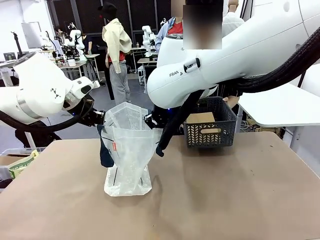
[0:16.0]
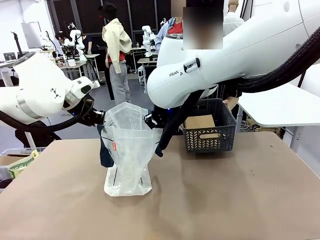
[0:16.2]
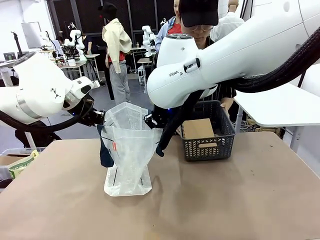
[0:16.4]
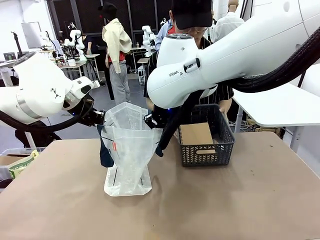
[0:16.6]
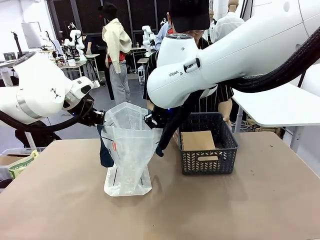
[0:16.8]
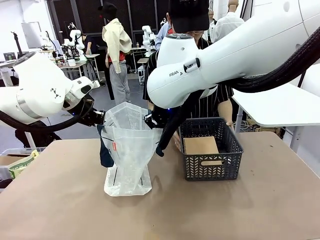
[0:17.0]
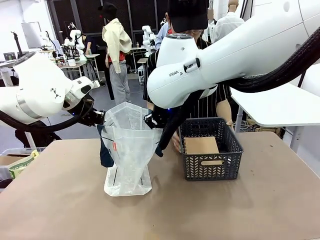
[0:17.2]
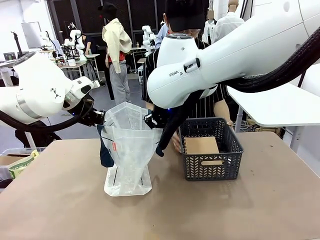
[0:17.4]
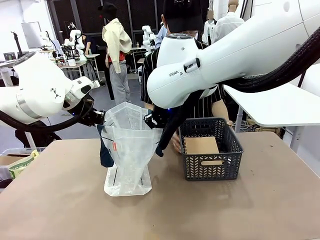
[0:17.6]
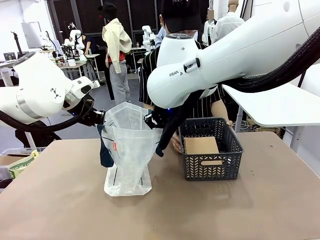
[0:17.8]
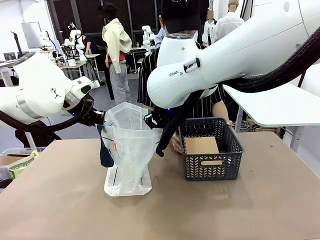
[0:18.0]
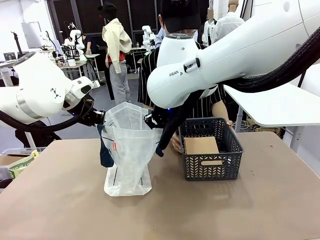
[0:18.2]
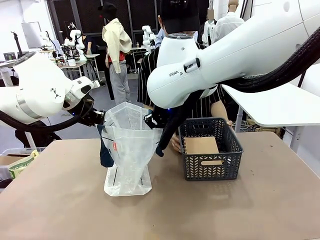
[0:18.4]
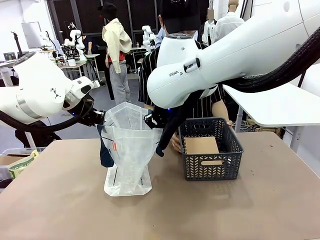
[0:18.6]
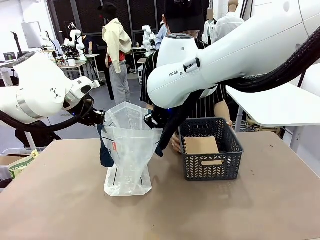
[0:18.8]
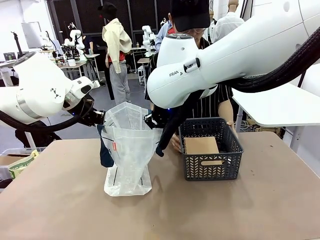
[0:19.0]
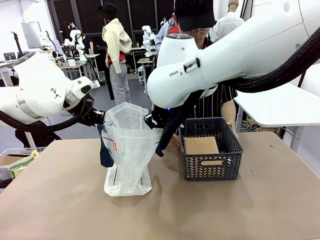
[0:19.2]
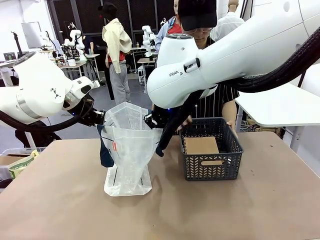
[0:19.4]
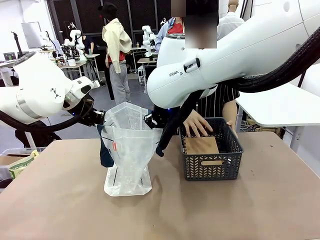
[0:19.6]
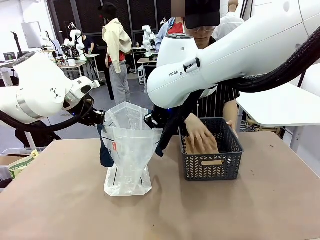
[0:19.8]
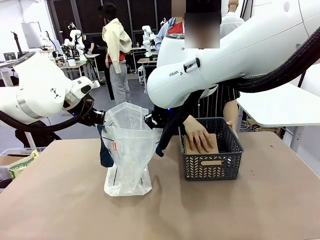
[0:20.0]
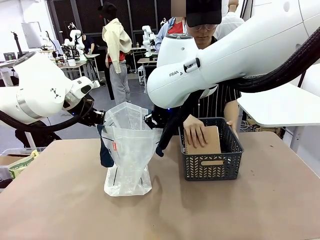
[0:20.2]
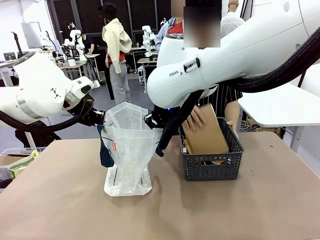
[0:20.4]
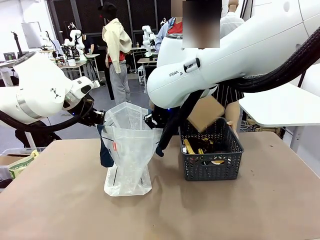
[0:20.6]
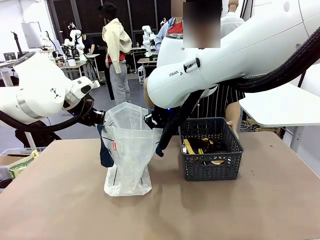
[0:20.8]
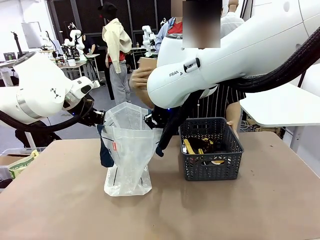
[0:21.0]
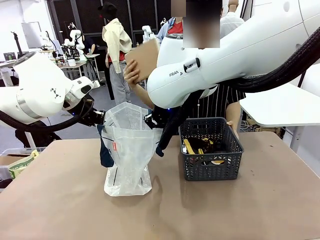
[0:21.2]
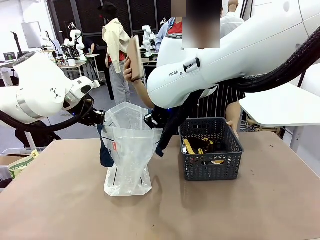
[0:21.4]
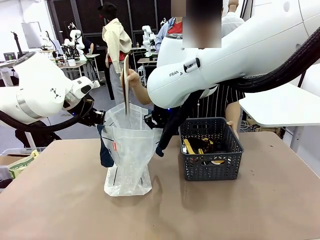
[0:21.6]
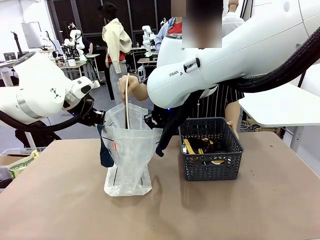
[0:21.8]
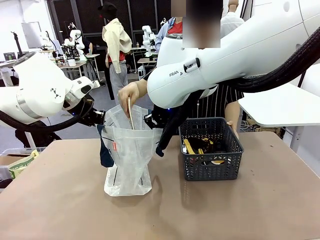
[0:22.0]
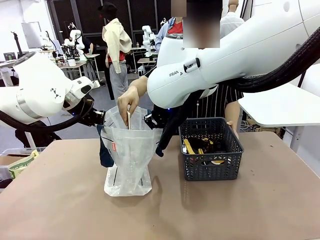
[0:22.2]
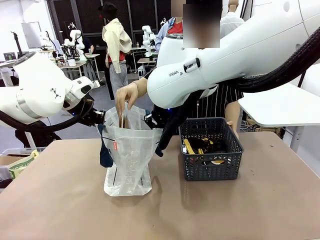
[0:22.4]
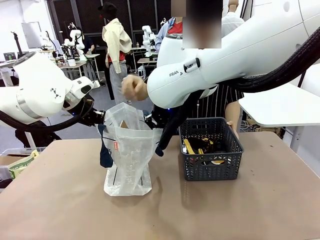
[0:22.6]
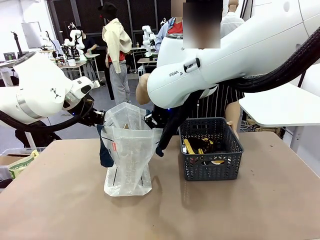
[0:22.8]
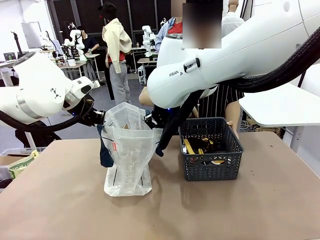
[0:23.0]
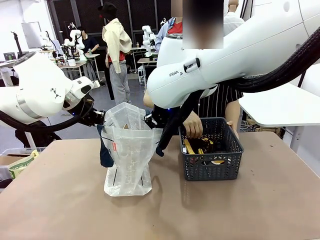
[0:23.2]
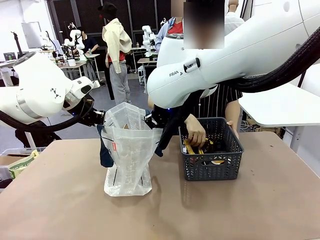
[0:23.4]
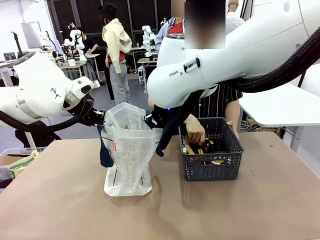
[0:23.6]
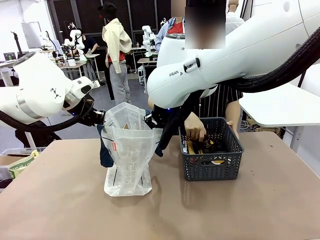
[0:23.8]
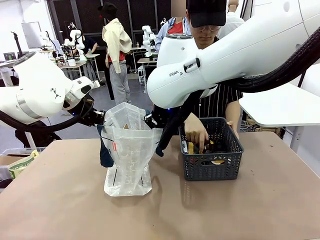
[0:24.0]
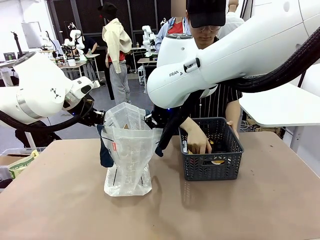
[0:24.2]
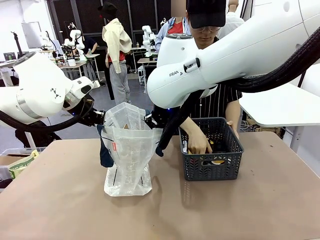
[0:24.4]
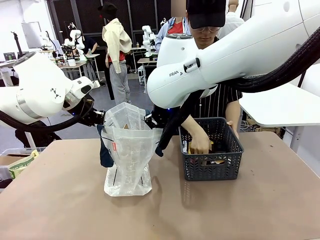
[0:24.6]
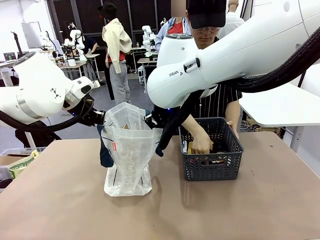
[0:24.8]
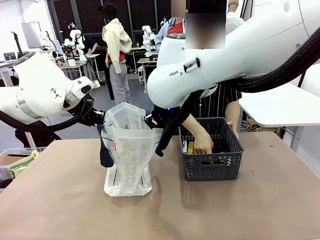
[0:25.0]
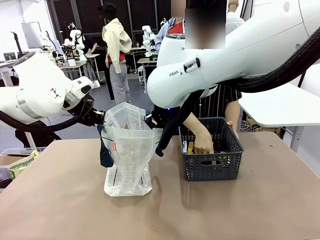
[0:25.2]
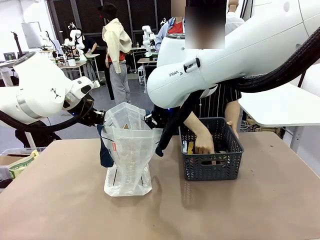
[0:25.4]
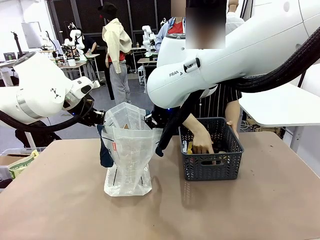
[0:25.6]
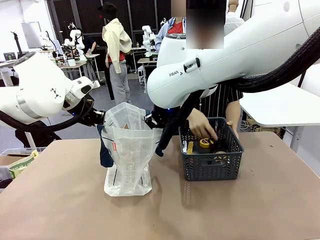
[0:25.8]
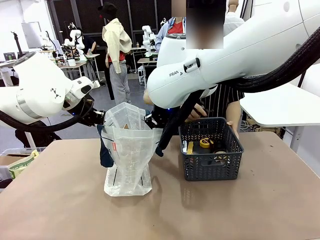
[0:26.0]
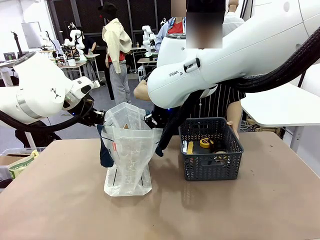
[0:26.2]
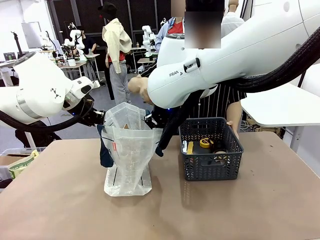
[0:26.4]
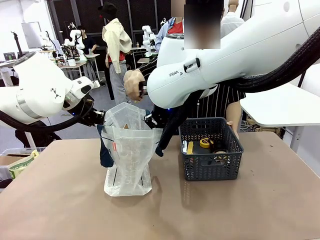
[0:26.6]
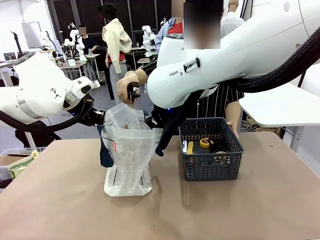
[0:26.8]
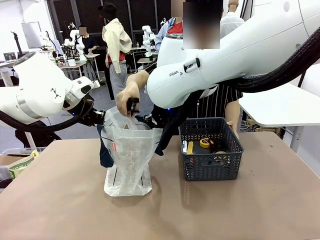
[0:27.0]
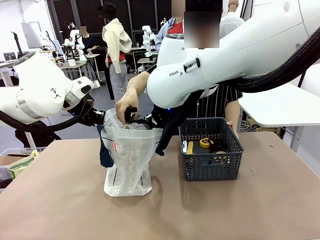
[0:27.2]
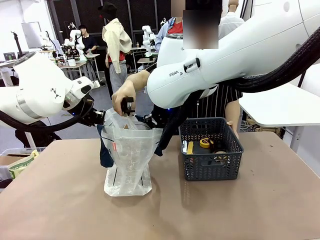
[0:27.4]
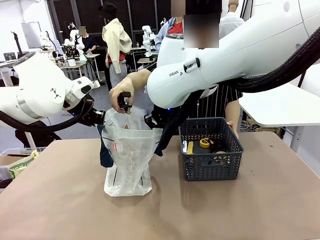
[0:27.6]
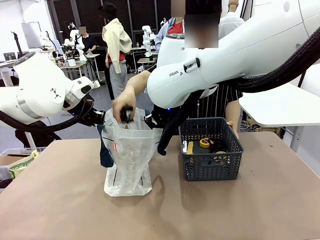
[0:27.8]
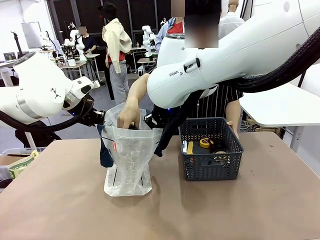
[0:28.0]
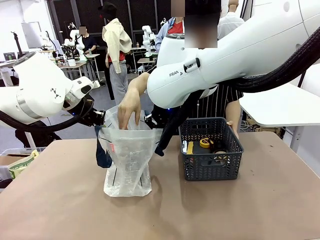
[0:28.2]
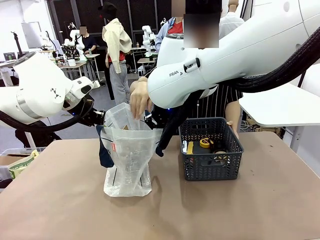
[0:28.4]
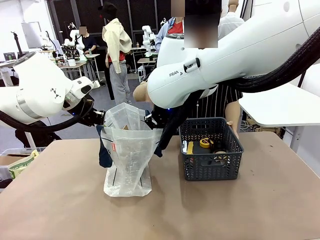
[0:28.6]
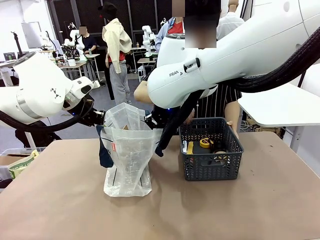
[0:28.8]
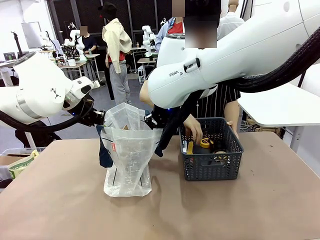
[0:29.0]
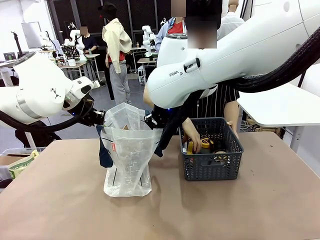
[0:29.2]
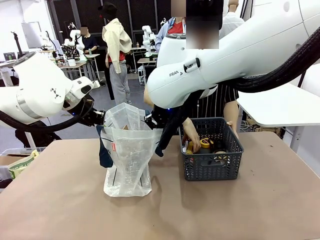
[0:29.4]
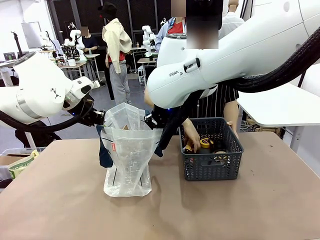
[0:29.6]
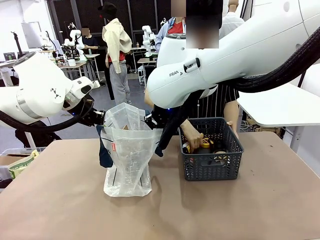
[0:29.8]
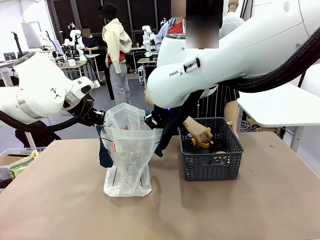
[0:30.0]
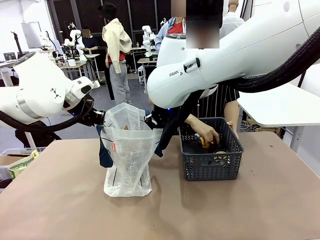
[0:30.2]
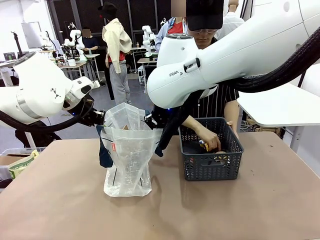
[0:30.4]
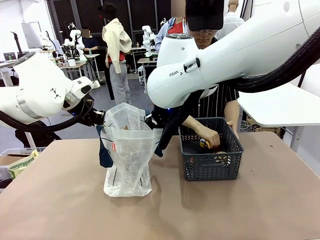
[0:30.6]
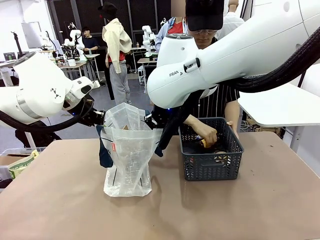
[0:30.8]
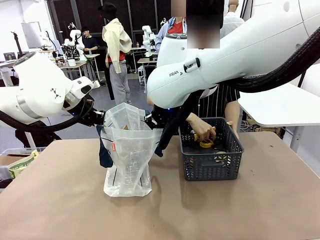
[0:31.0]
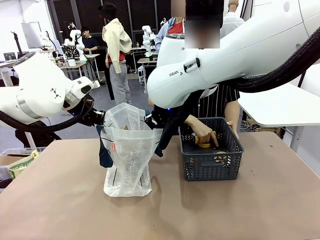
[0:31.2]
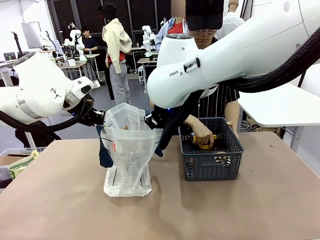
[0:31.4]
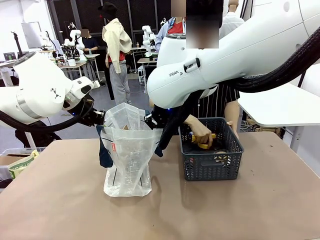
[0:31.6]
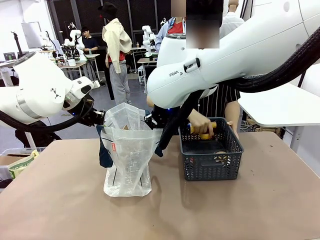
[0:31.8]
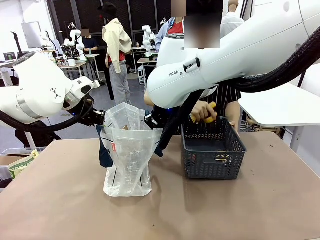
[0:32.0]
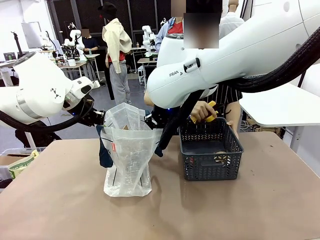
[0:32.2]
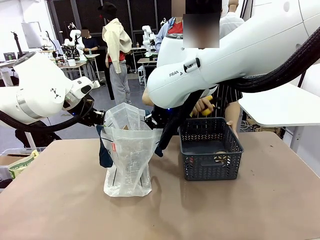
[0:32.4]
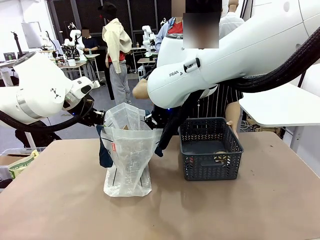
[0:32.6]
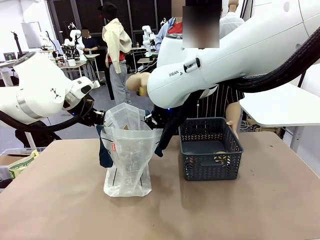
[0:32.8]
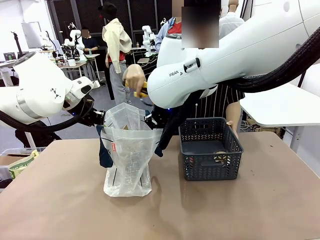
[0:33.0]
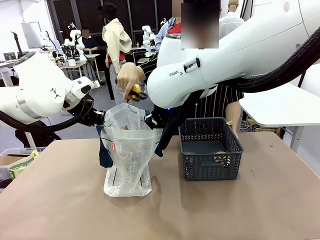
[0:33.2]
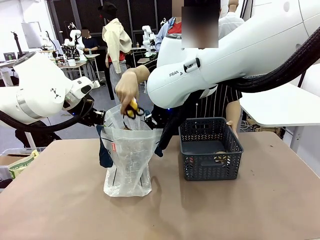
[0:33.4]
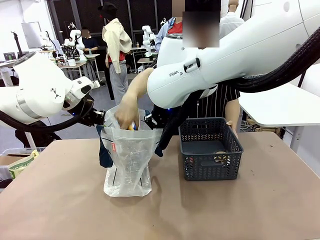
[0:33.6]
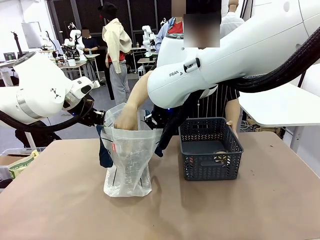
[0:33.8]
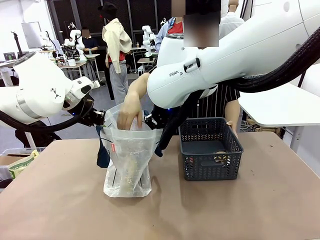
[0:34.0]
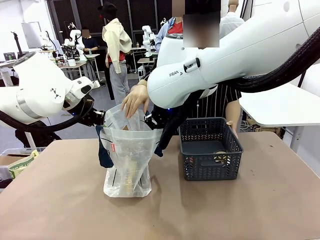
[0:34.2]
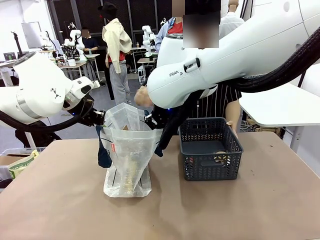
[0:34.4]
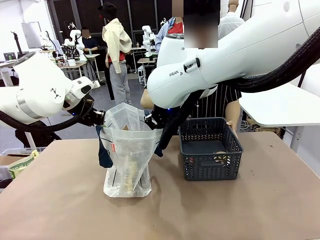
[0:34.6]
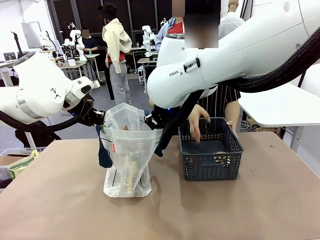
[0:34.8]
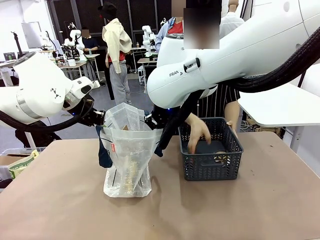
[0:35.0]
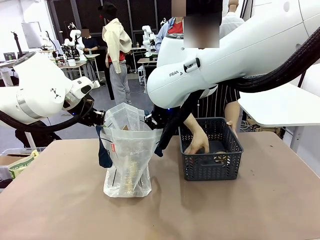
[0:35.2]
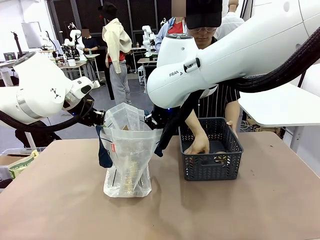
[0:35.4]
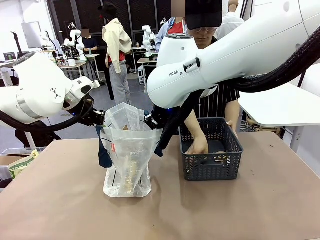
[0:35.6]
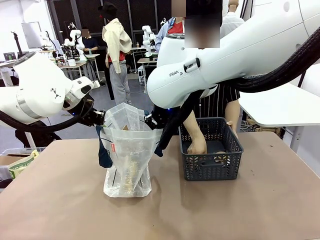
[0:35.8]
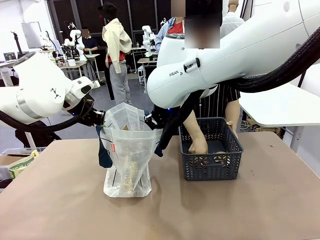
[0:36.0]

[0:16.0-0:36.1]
Task: Transfer purchased items from the store into the shopping bag.
Robot: Move the Reusable shopping bag to the right side of the table.
Person: Pick up the basket with the items out and place it on the right side of the human table.
